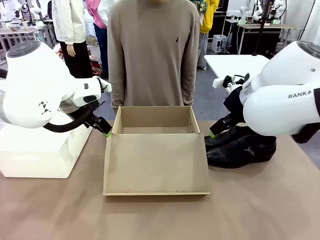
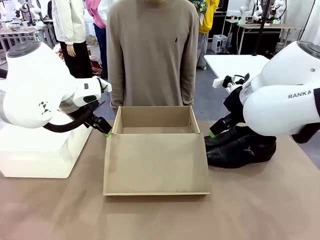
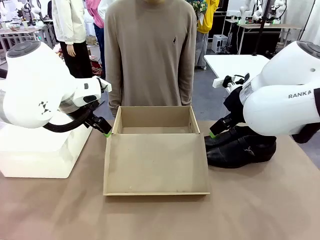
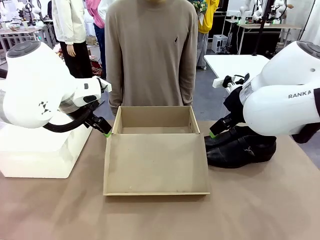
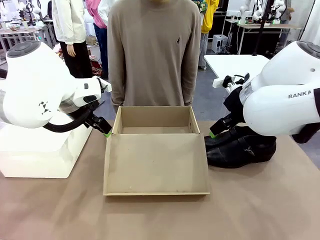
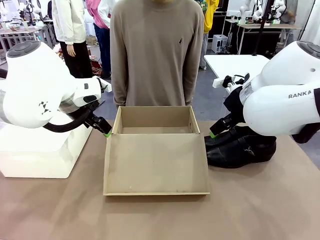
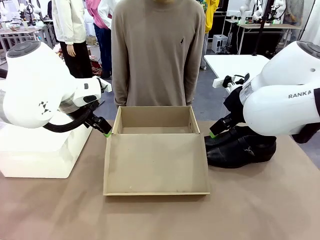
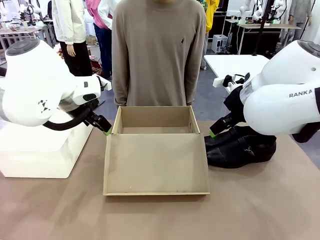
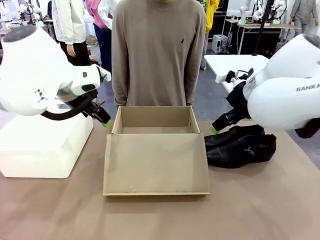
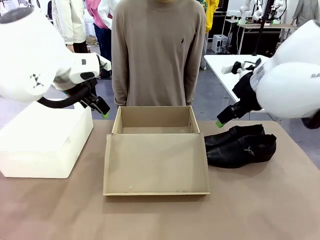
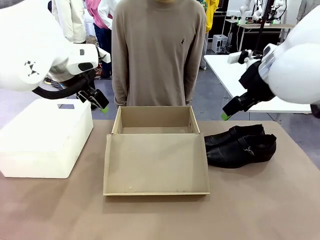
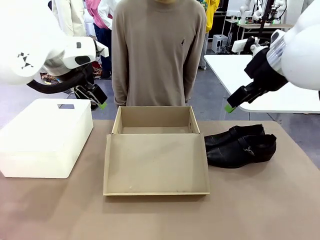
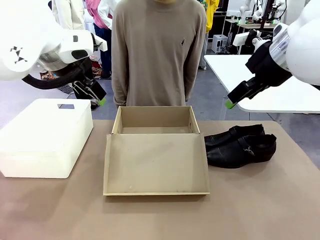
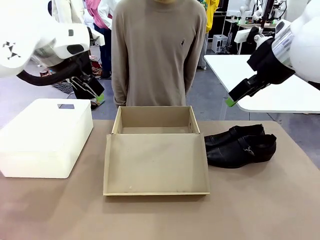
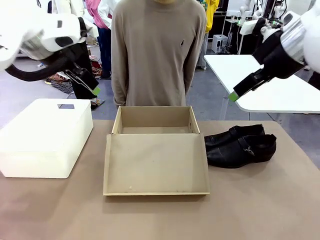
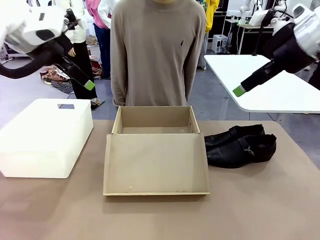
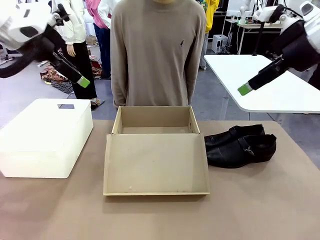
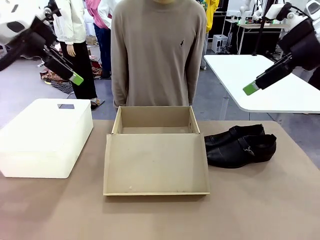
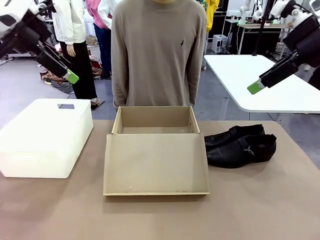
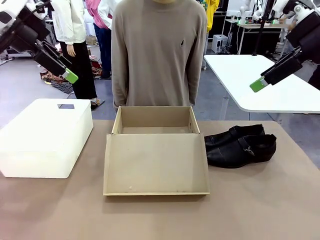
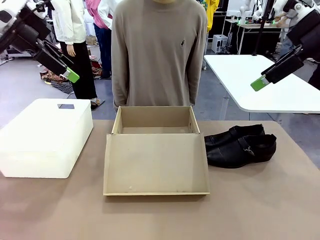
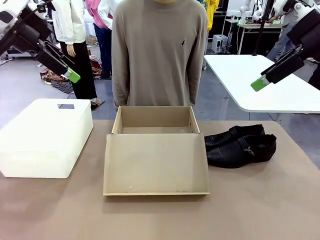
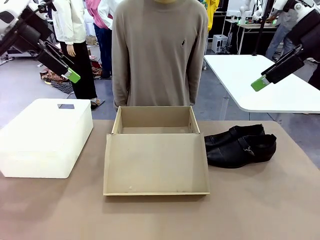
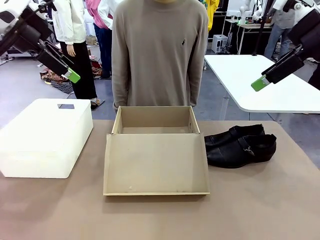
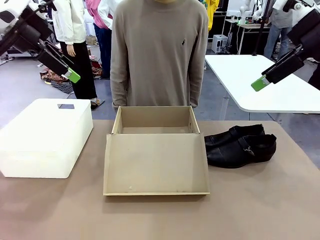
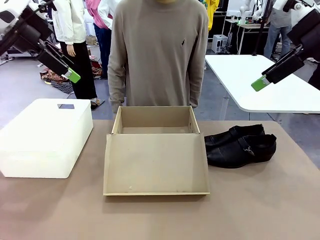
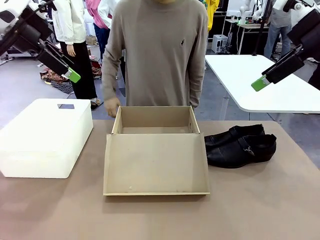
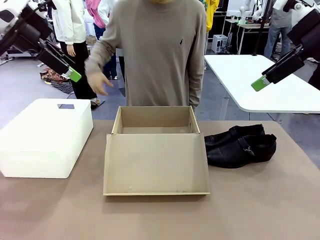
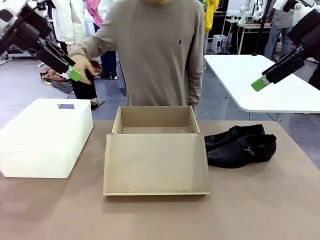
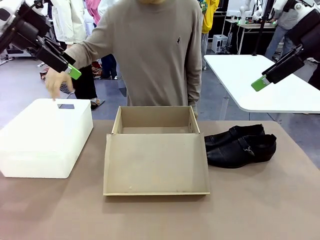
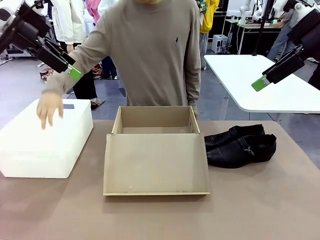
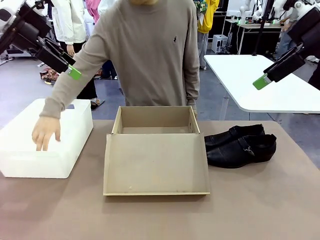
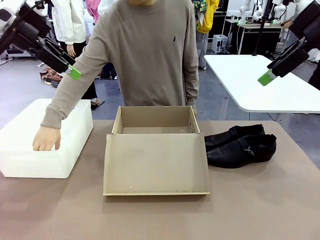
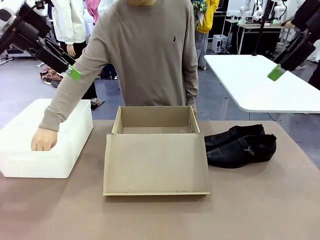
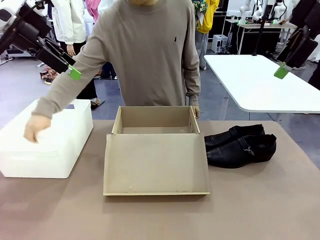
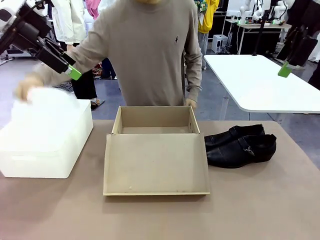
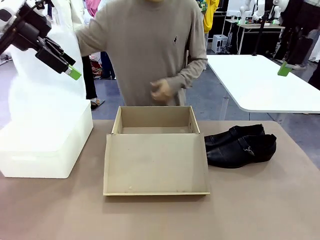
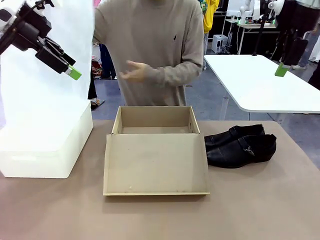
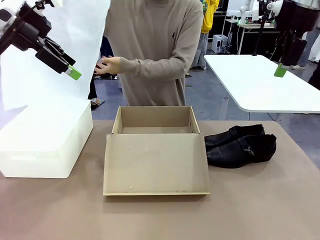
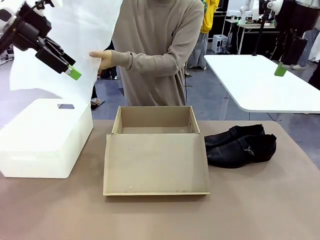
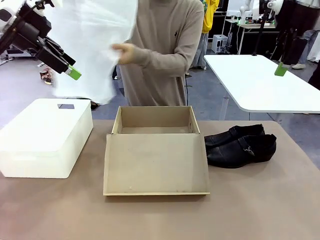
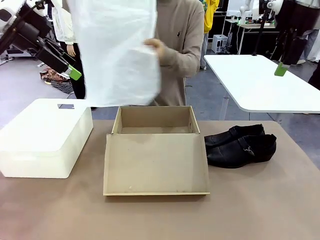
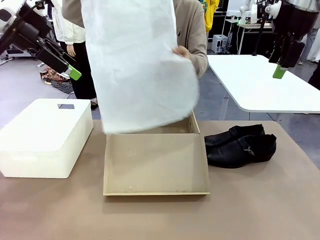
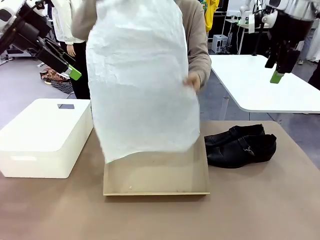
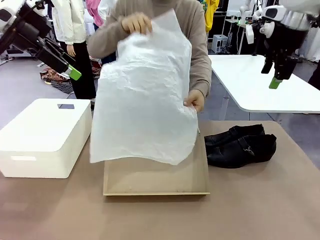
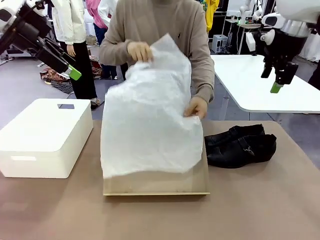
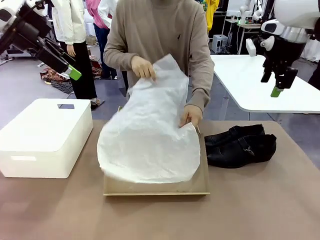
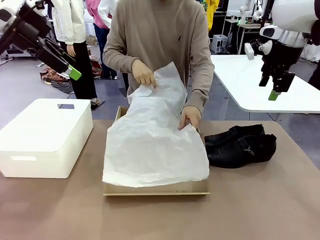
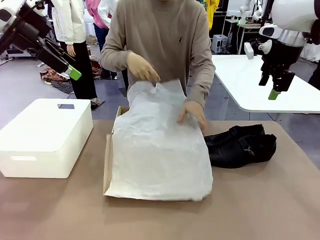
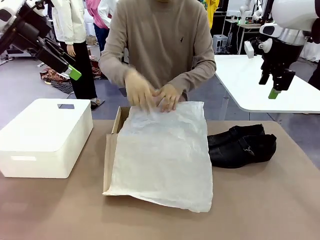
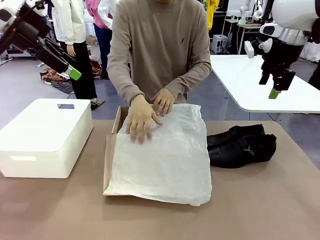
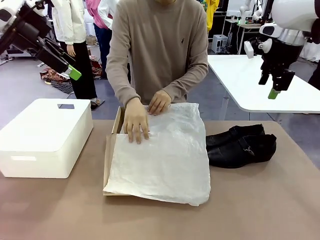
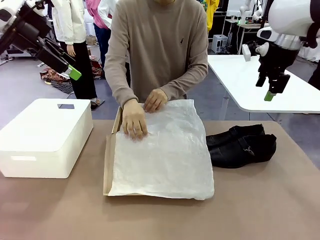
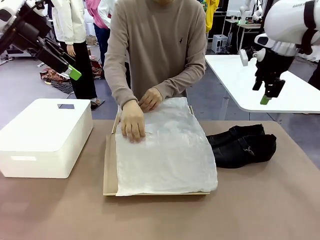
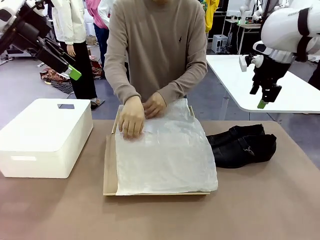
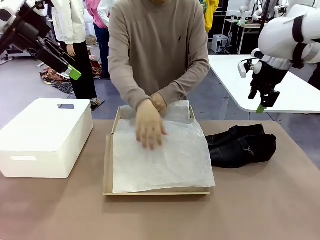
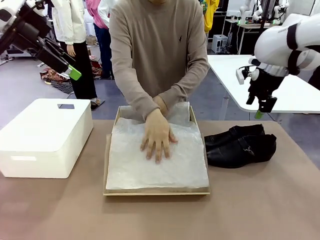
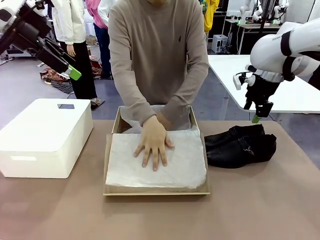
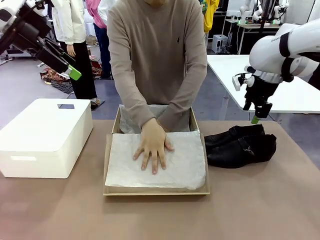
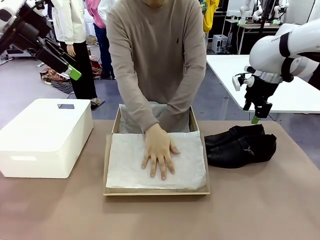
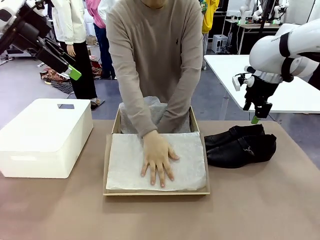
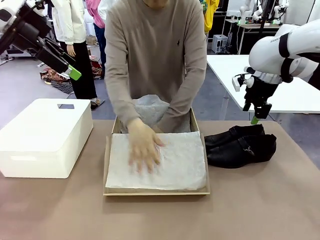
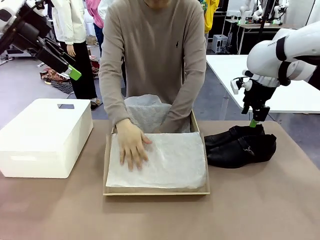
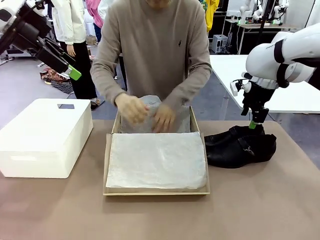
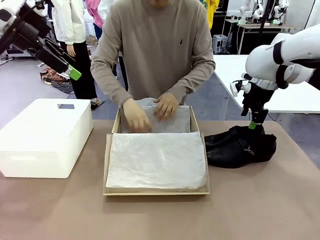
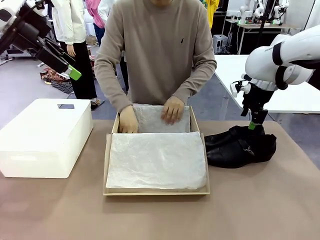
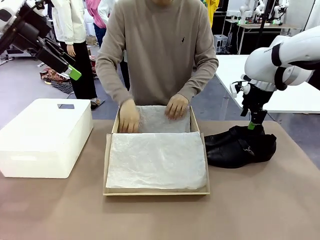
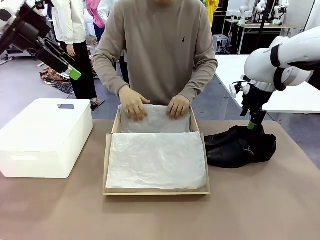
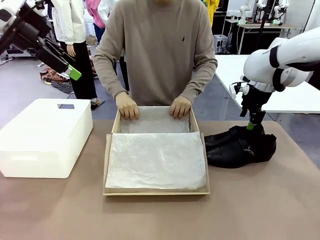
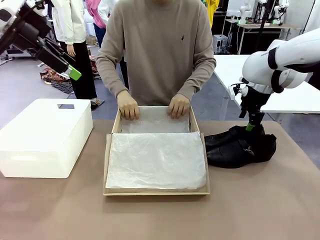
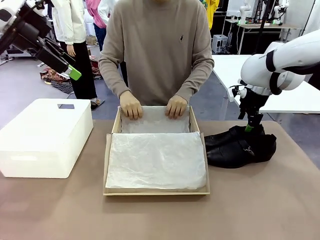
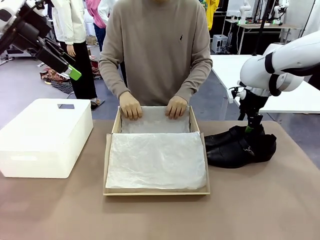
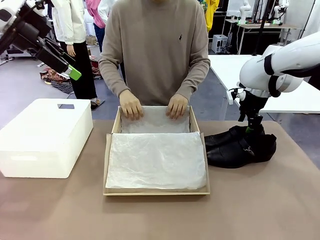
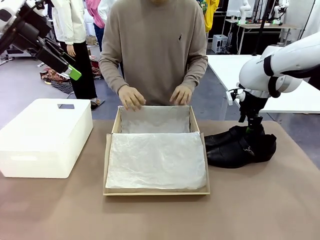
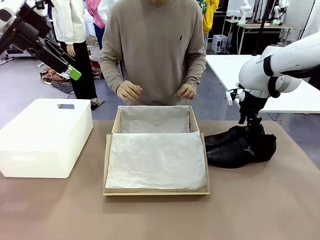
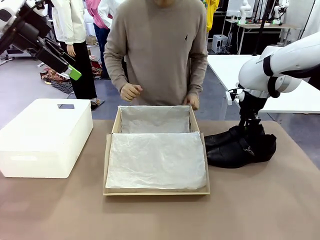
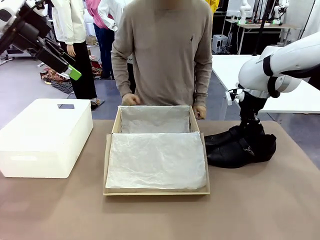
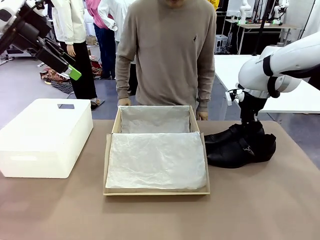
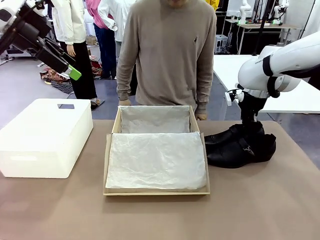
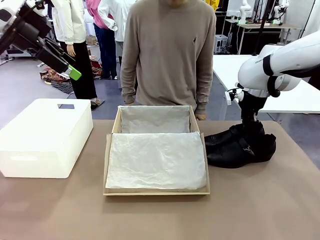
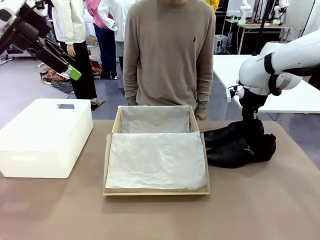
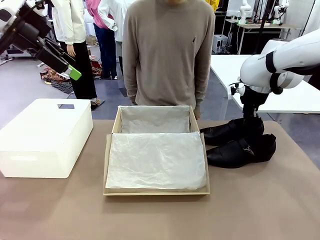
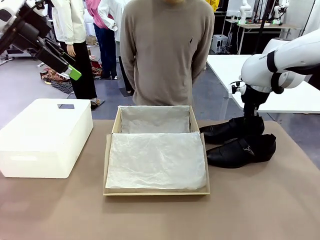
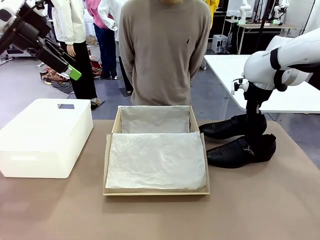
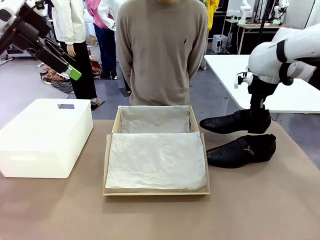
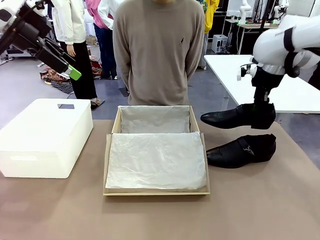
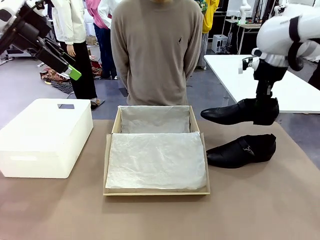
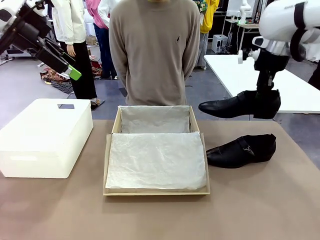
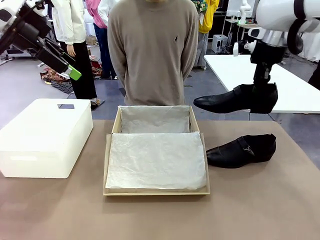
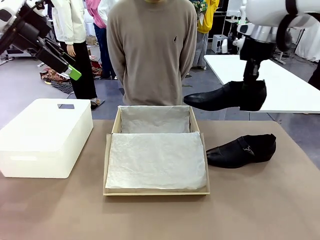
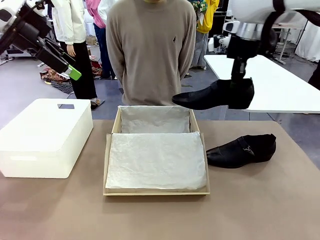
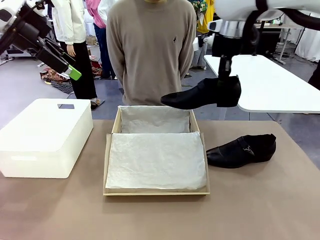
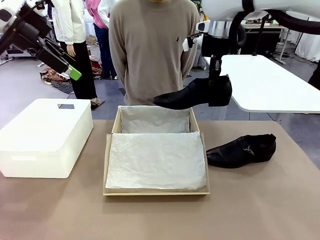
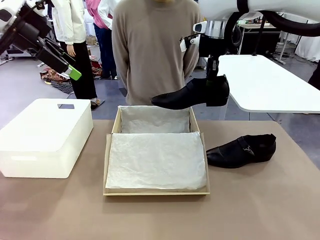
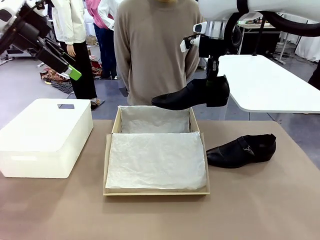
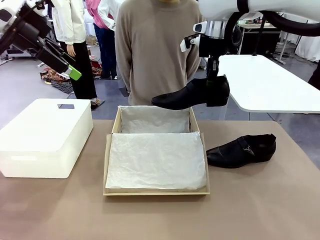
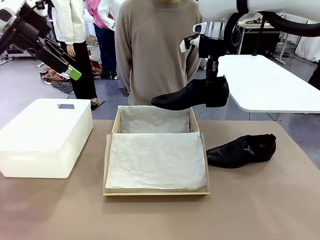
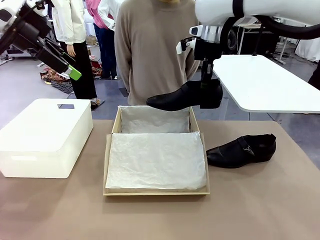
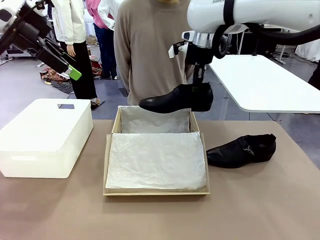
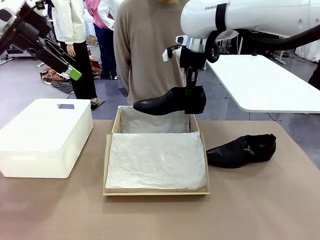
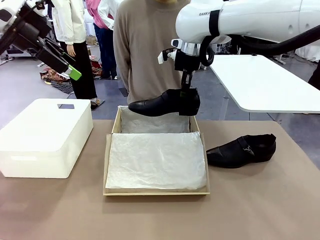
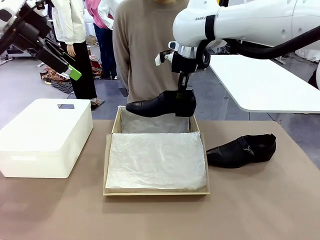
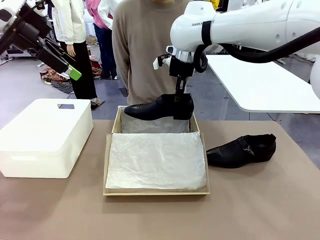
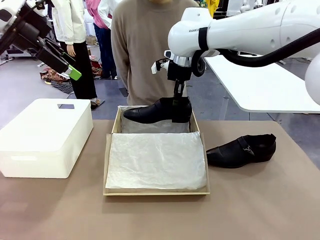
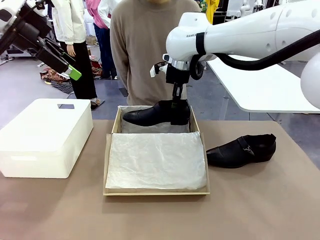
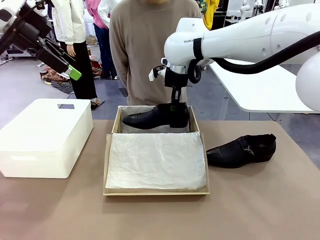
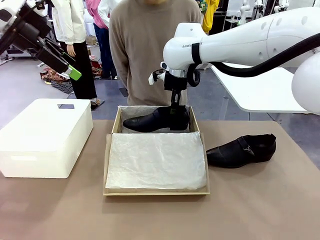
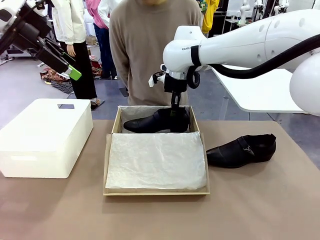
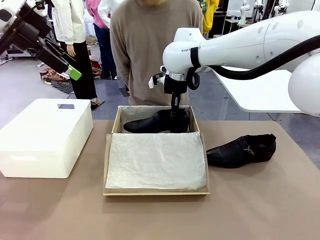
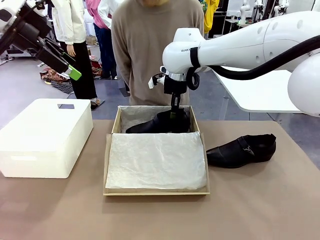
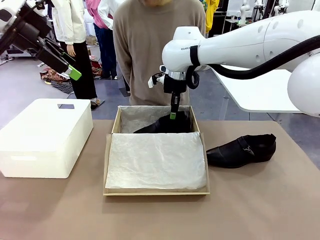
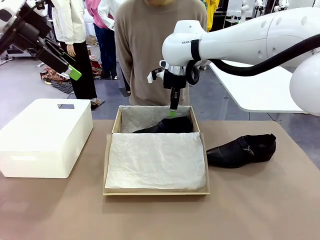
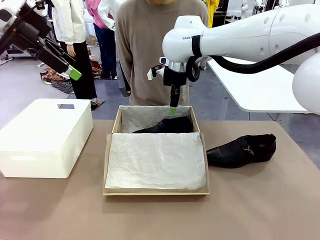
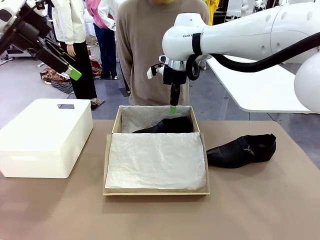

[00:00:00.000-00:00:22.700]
Task: Pack the shoes into the box.
Robot: Place one shoe of the Shoes into the Shoes Box.
Person: Spread Shoes Wrapping Paper and place inside the Shoes Box.
